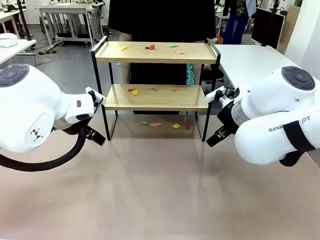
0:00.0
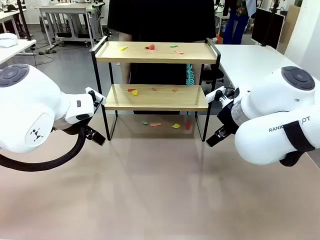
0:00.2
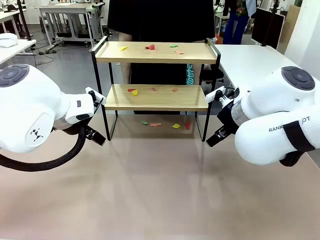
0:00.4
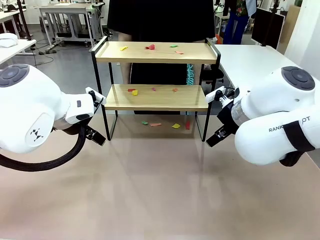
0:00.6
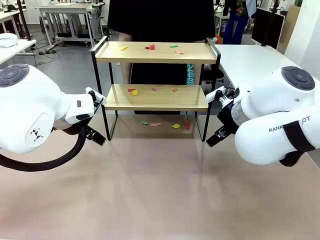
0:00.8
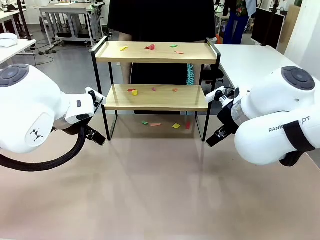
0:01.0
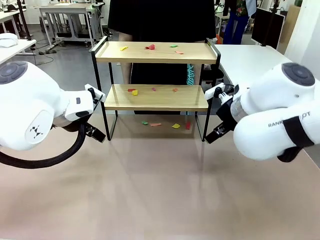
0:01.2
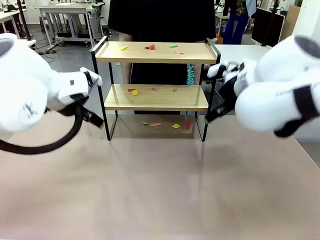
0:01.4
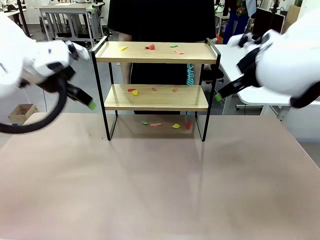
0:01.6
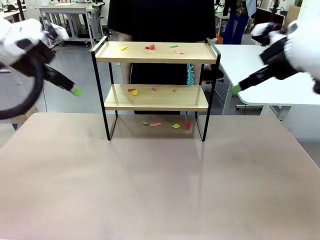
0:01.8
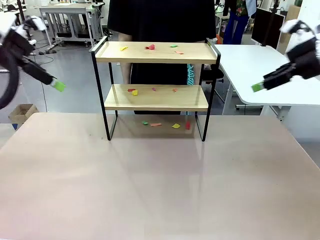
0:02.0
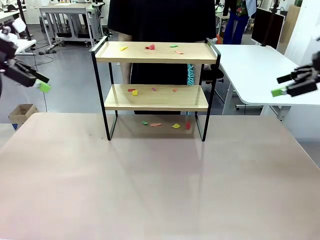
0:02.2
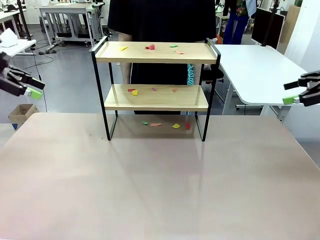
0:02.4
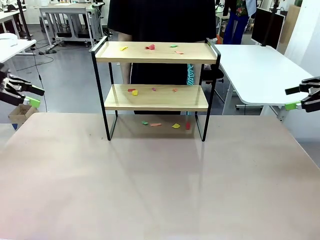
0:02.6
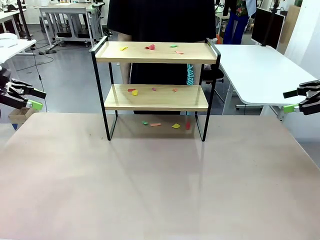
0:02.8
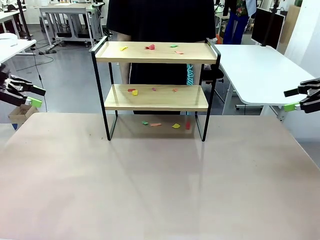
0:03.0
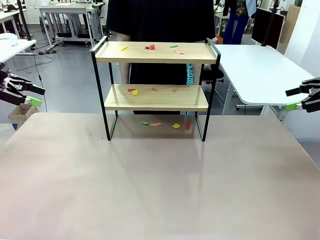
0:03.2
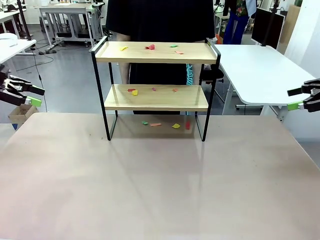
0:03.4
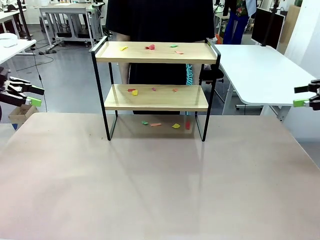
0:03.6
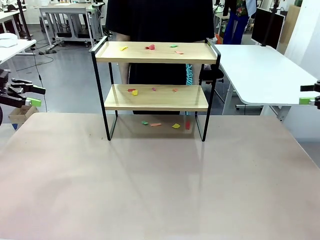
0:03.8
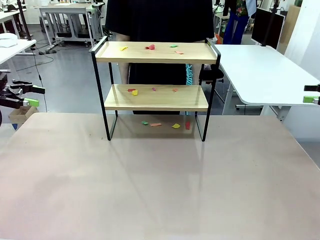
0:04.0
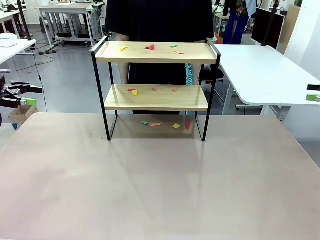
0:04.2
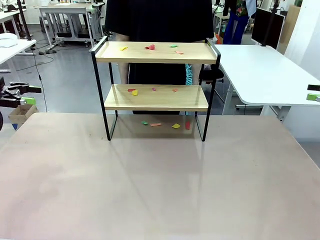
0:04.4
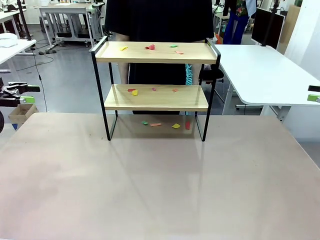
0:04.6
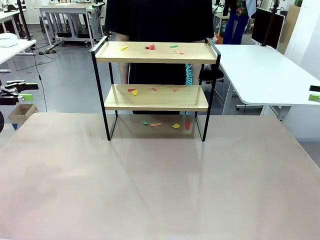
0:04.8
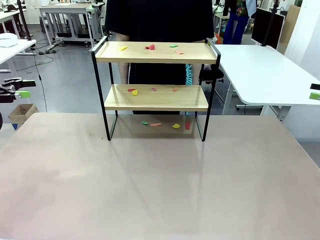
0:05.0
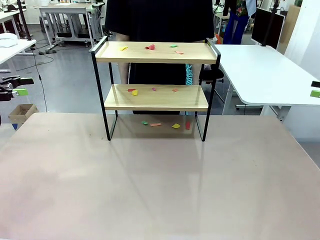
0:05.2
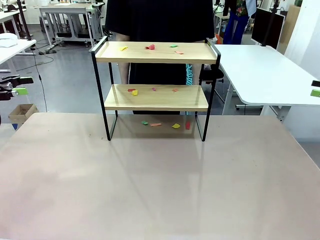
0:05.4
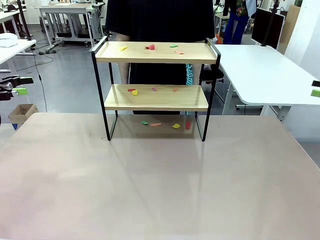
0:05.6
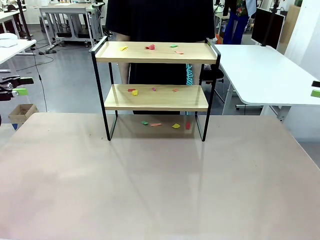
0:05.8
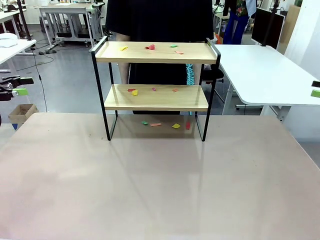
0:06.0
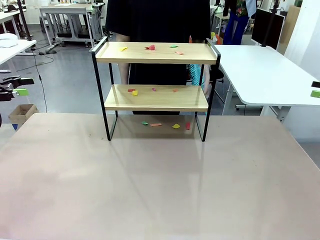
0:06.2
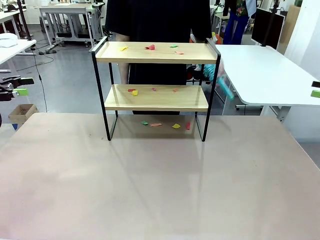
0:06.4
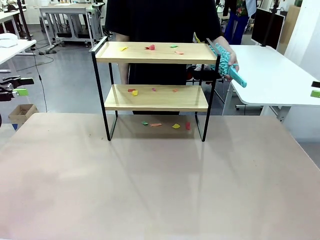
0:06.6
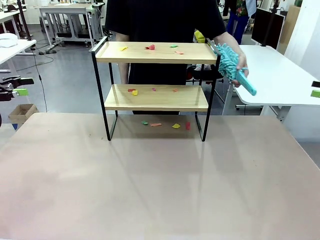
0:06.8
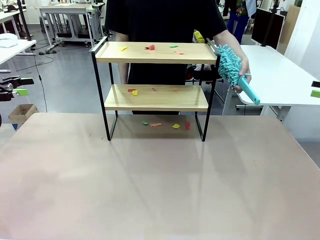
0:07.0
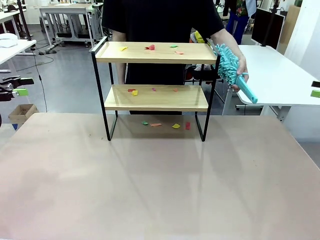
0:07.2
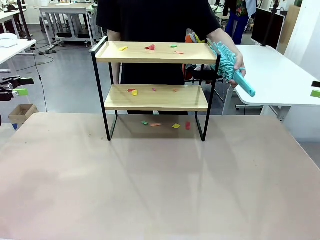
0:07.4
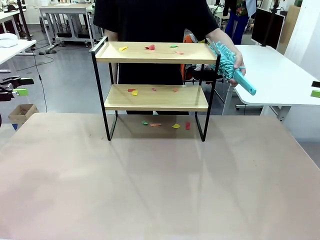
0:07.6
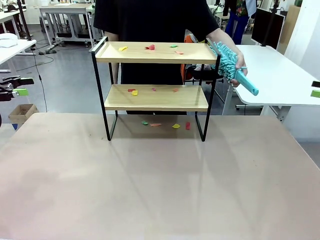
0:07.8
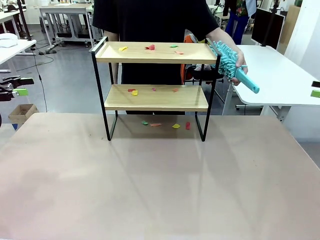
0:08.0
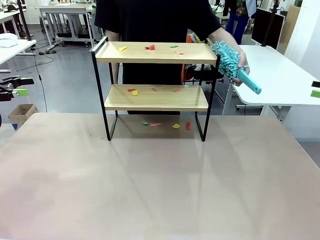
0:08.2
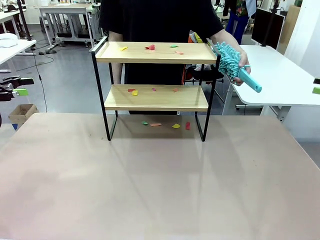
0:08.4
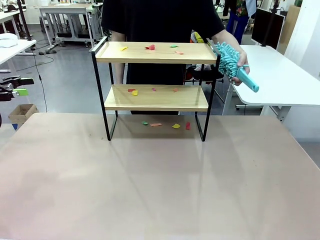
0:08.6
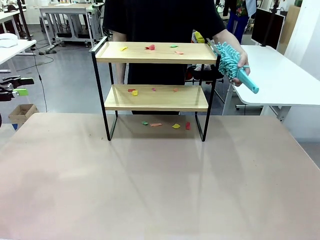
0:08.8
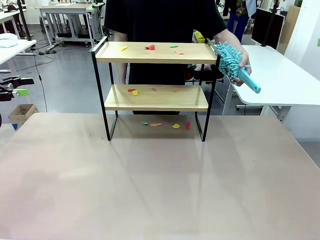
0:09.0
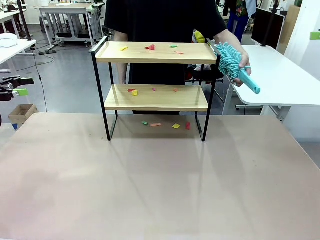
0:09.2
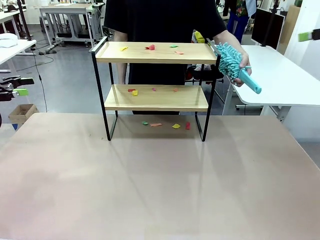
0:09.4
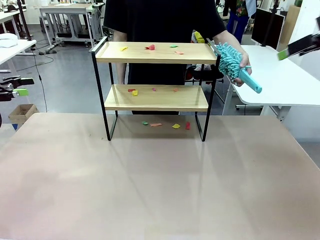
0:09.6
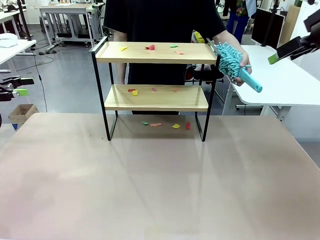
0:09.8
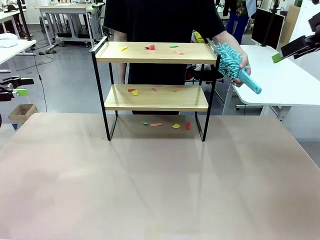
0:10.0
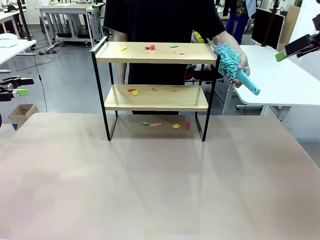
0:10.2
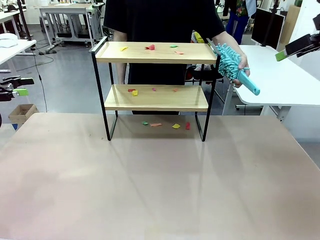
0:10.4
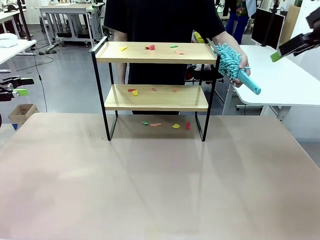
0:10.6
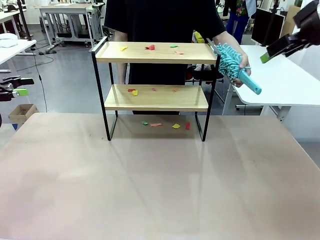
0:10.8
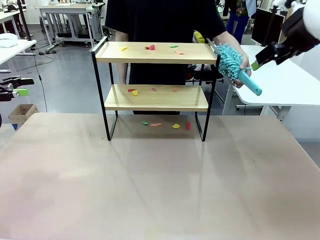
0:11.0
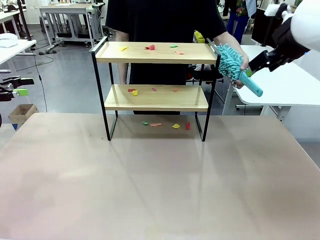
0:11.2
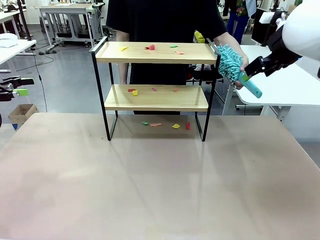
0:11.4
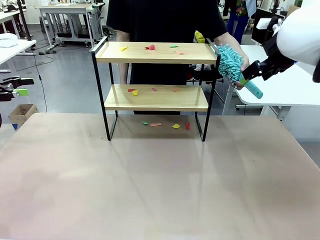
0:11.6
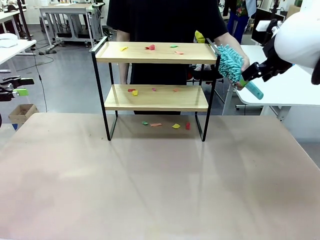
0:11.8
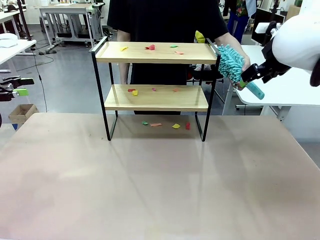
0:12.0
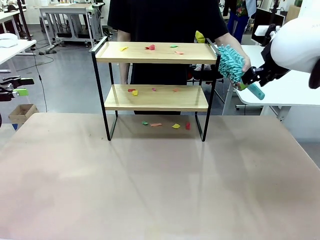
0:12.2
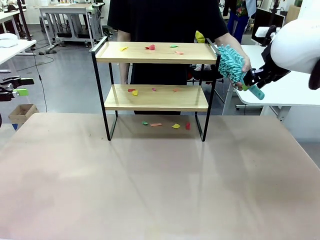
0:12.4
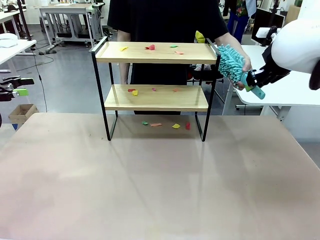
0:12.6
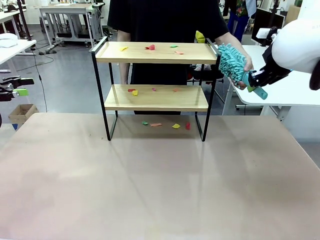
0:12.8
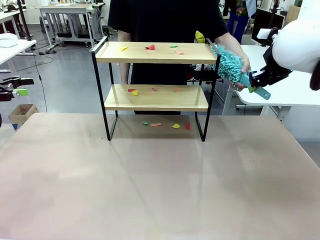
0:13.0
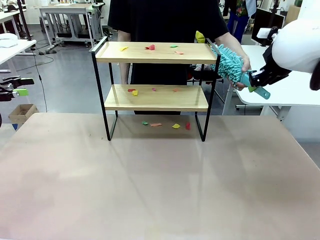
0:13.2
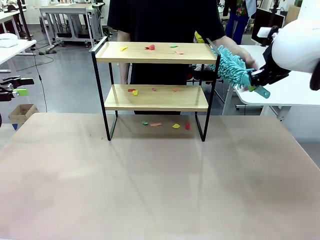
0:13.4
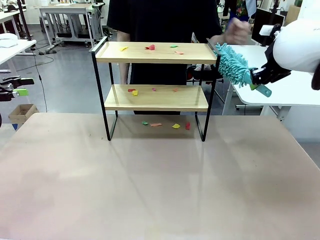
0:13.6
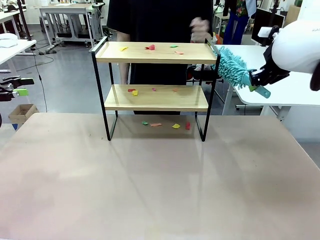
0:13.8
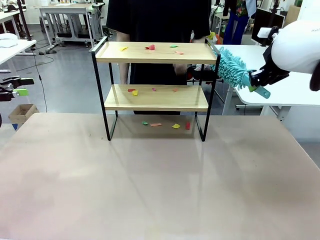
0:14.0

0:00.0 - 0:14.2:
Task: Clean the shelf.
Robot: Pick up the Duster handed by the human.
Person: Hand the Duster to the robot.

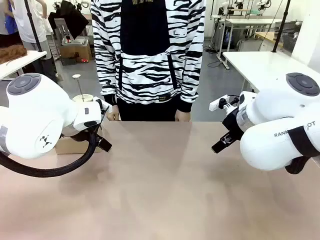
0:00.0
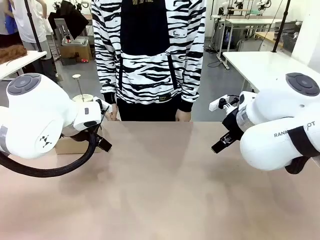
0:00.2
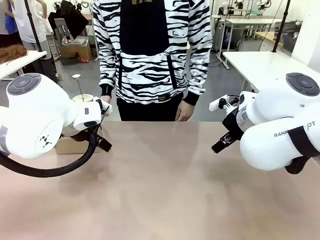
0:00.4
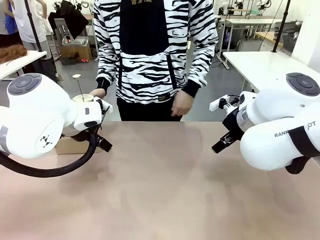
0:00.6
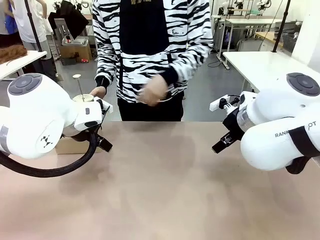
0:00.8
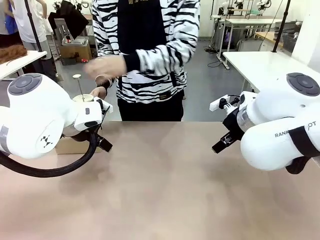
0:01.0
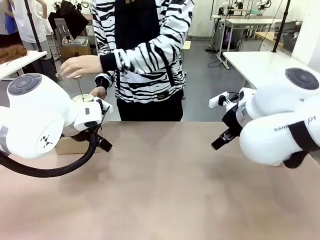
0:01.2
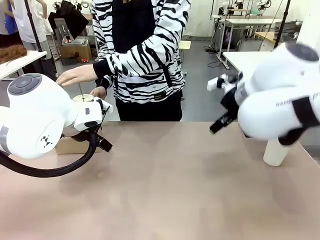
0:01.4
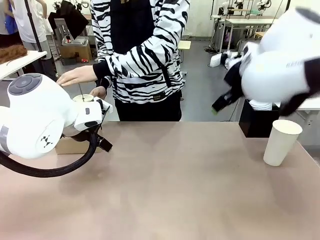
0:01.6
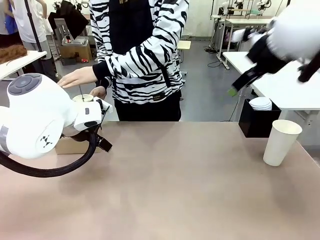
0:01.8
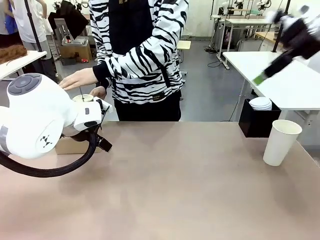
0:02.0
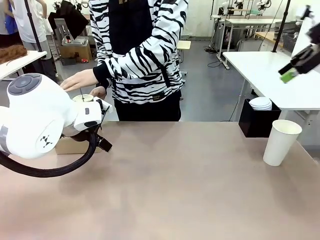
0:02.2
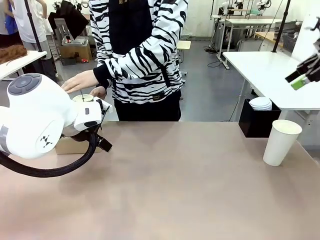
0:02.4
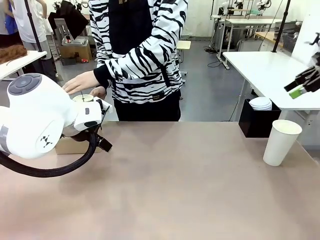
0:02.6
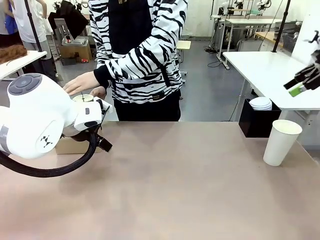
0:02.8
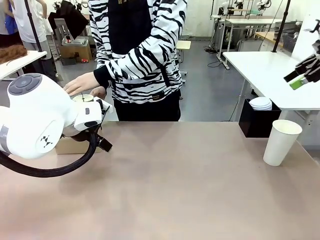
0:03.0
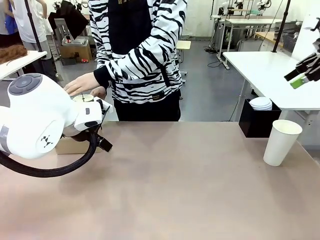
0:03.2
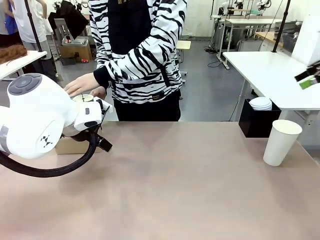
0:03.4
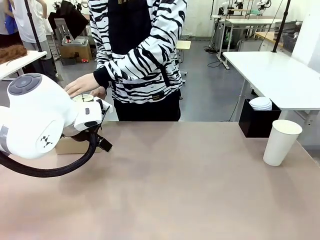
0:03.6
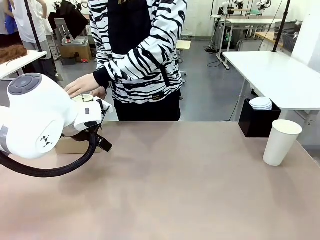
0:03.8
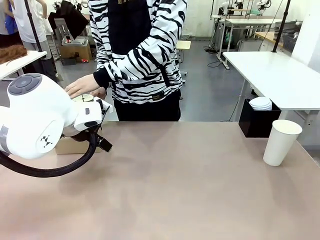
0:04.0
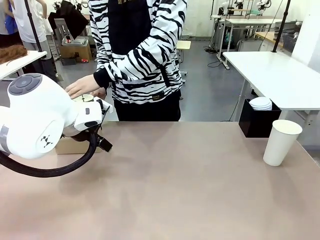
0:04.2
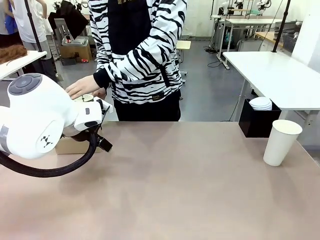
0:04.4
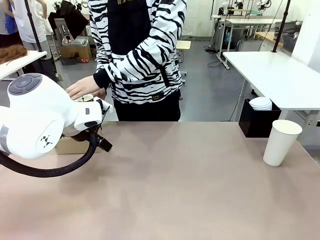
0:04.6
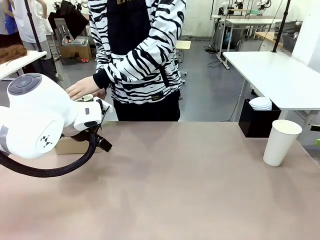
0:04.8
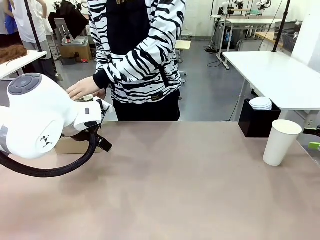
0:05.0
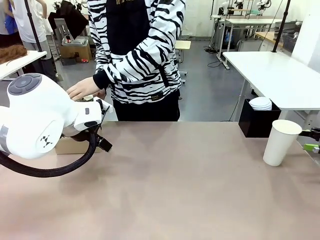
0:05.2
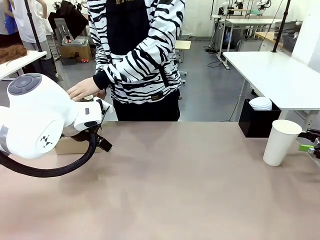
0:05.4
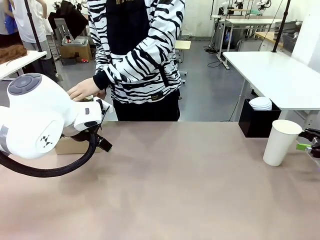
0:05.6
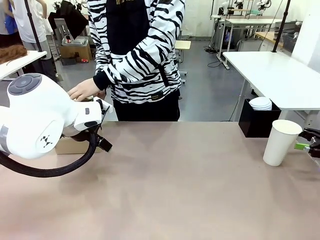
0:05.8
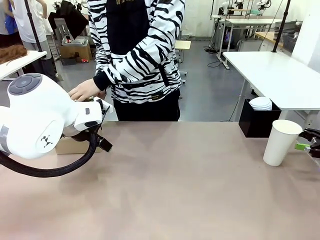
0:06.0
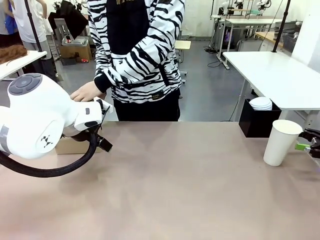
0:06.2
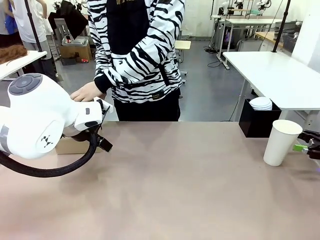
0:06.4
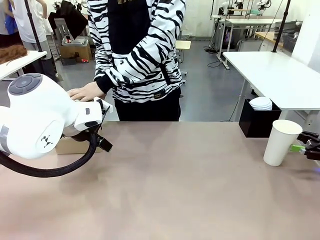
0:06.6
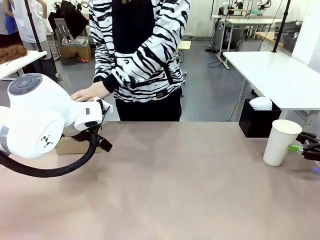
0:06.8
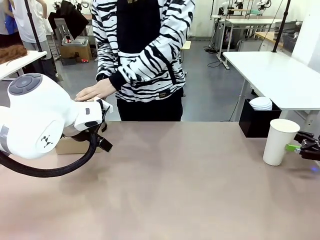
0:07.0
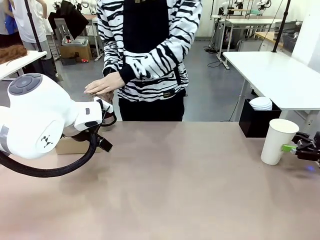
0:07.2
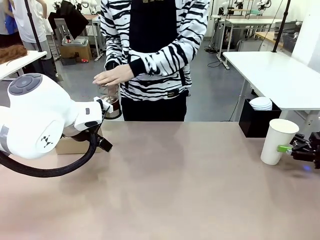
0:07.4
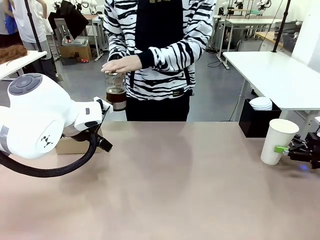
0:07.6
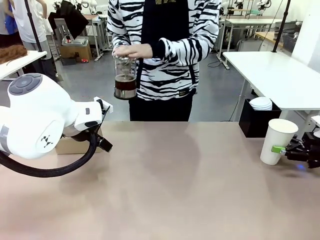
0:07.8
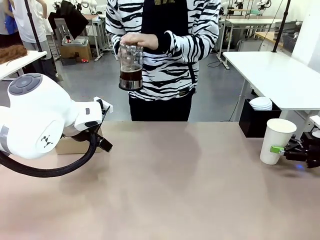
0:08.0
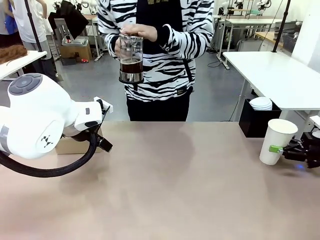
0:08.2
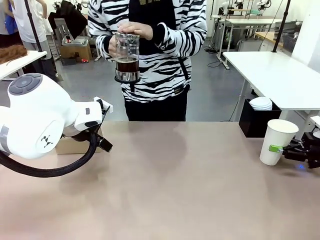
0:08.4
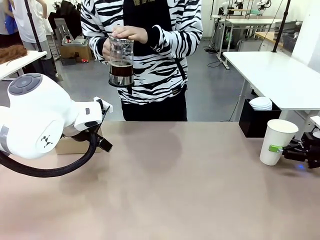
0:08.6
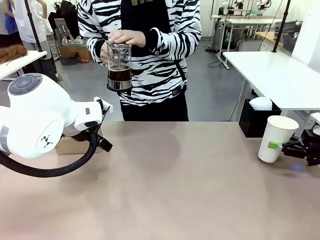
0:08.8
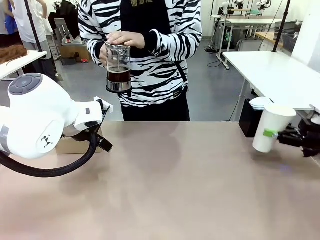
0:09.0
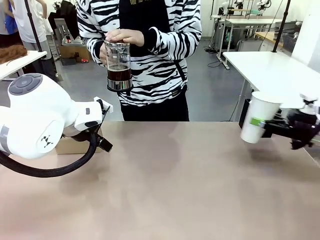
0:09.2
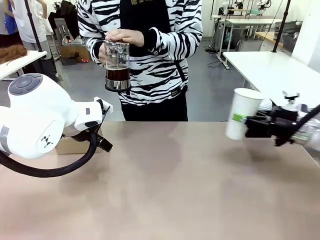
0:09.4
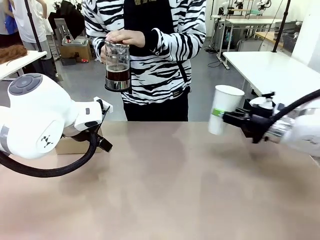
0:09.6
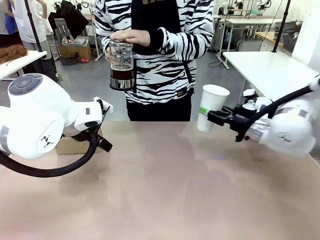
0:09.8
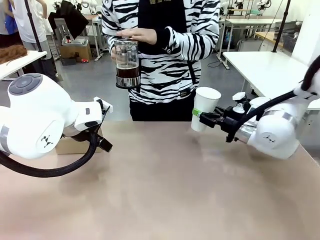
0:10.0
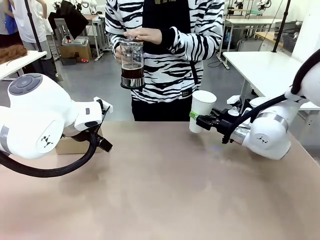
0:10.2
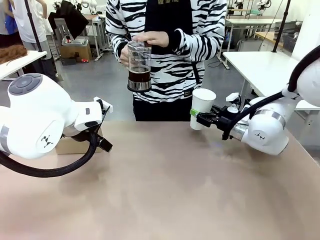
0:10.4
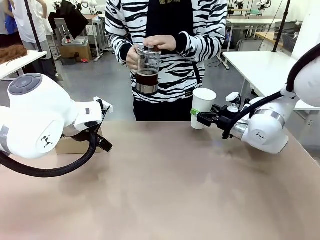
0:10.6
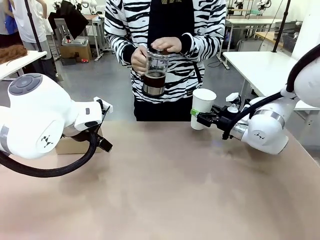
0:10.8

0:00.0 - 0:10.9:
Task: Pour a drink into a cup and package it in a carrier.
Robot: Pick up the 600 ml Paper Cup and place it in the middle top area of the table.
Person: Press and pick up the Filter Brewing.
